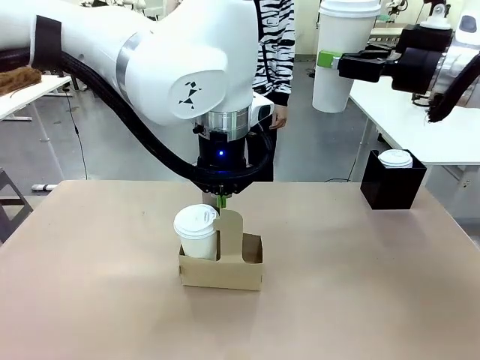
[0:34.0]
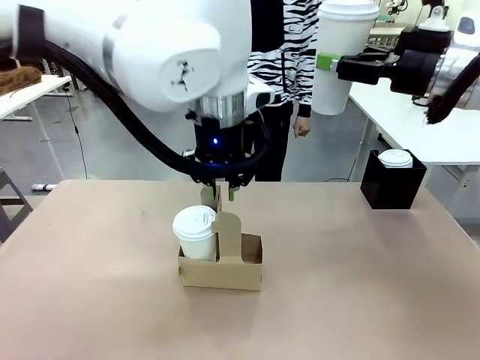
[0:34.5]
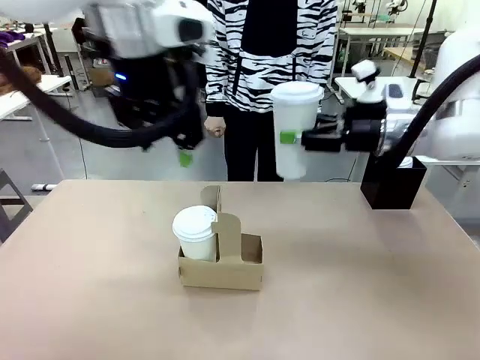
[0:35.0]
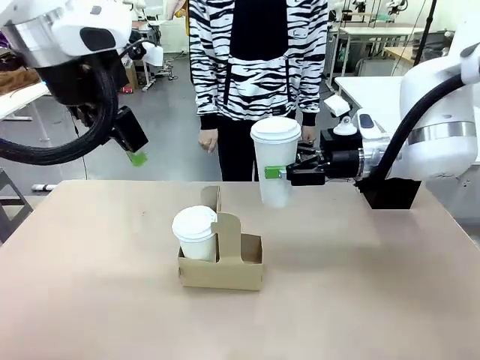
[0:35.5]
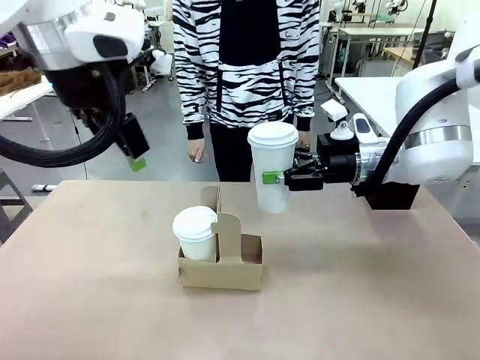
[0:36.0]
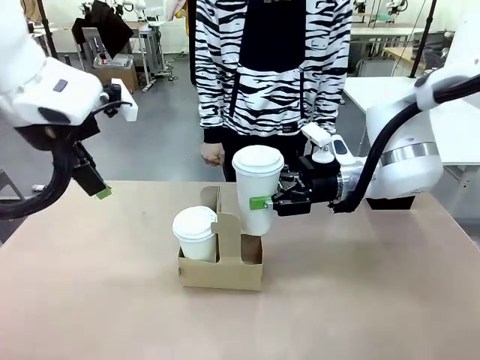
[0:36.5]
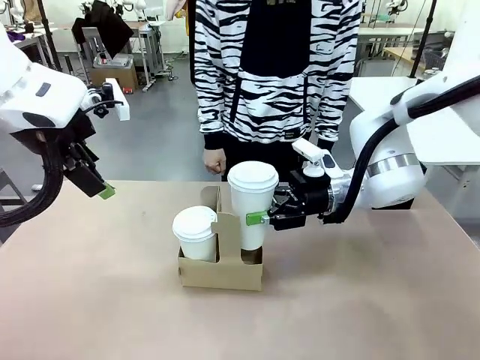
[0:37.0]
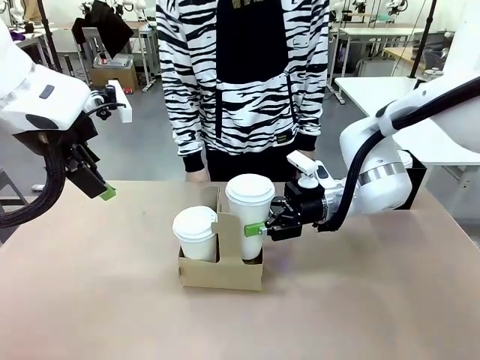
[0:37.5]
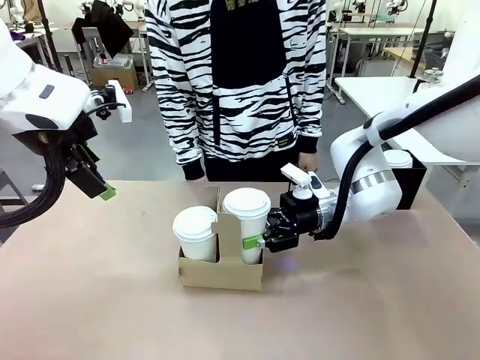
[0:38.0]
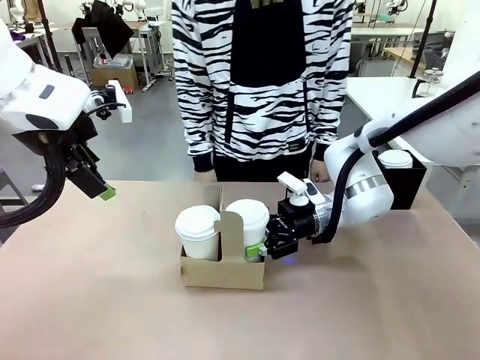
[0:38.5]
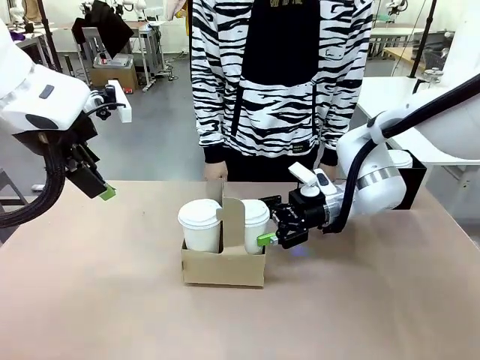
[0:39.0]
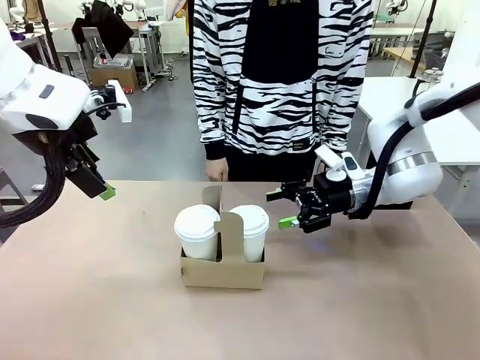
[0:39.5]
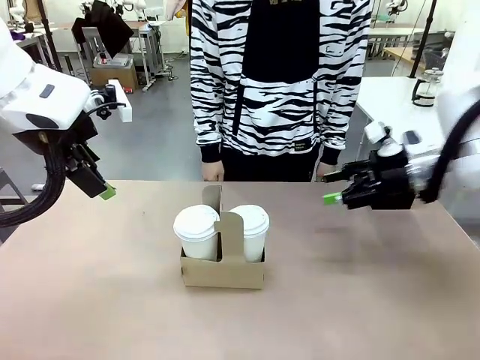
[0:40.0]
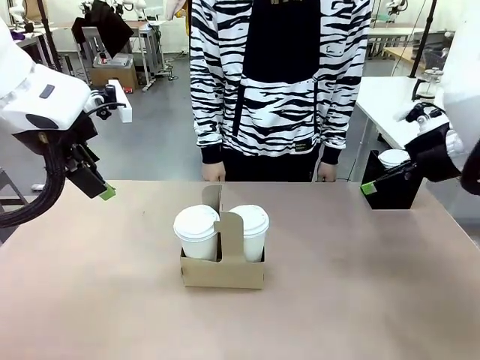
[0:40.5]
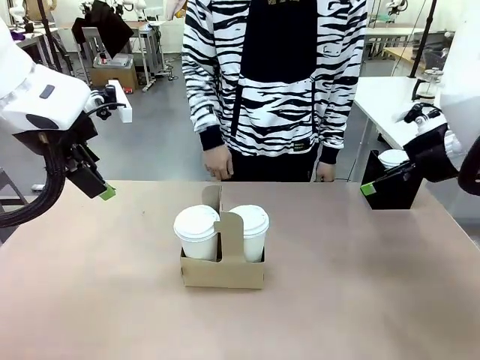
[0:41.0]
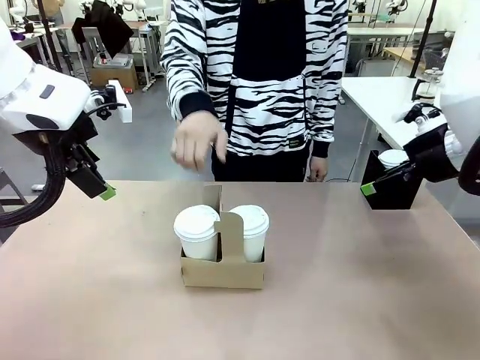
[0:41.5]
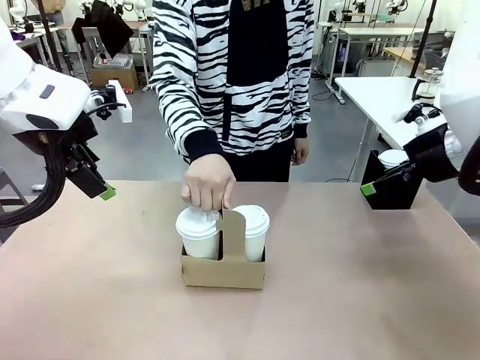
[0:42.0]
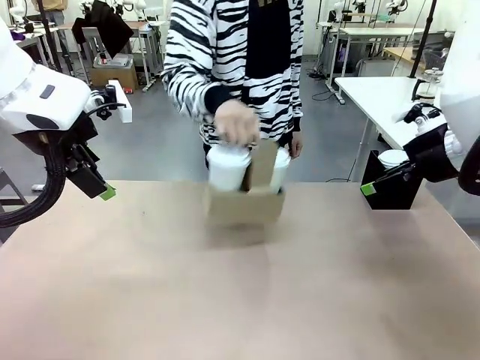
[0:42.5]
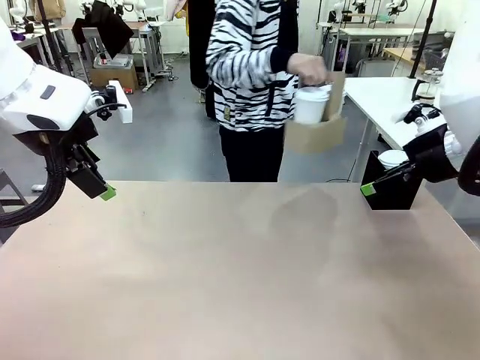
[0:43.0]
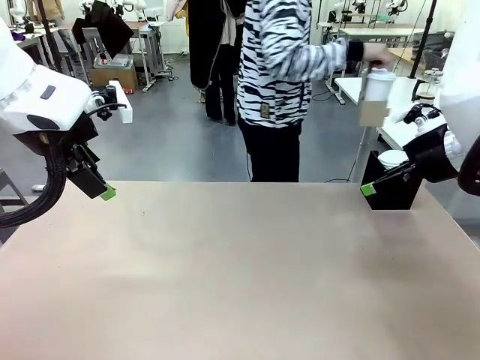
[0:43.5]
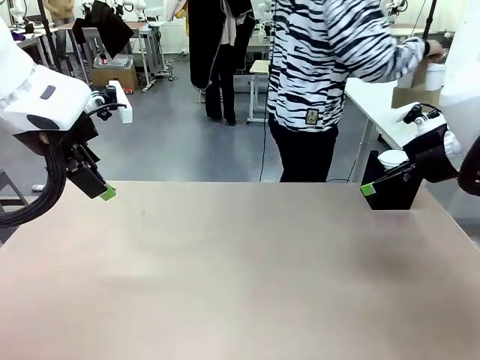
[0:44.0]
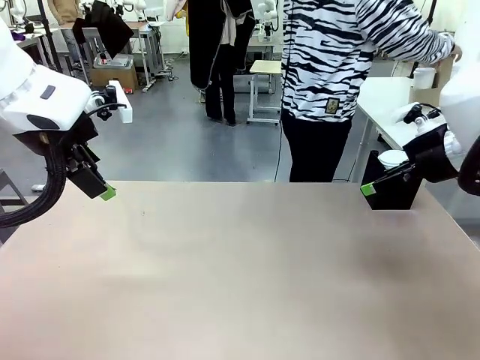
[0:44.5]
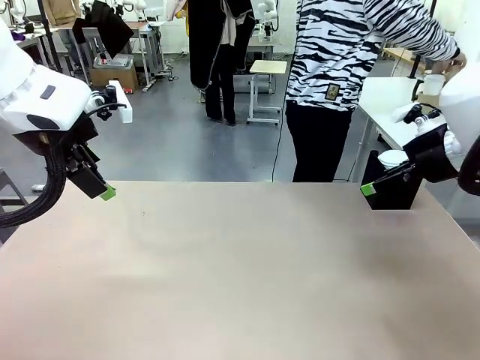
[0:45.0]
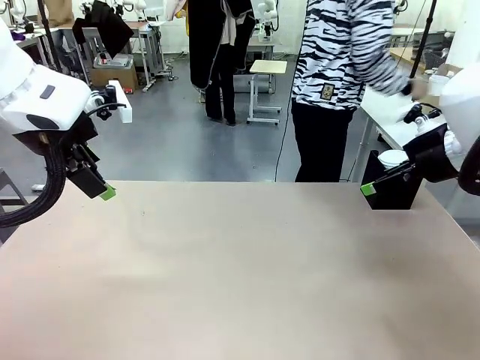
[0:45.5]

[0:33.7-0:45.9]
Task: Pour a drink into a cup and package it in a carrier.
Robot: Insert the held 600 ml Paper Cup into the Cup Carrier.
Person: Place the Cup Carrier to the middle of Human table.

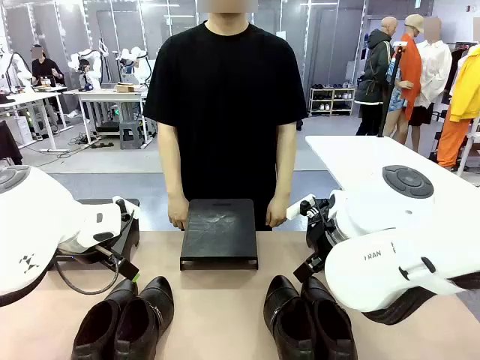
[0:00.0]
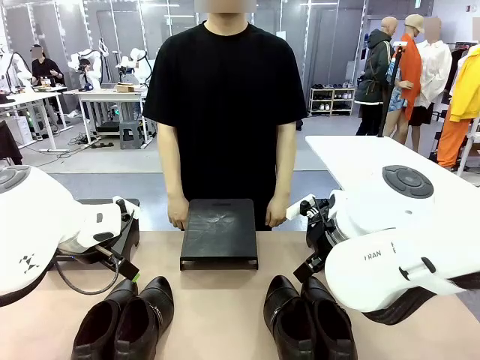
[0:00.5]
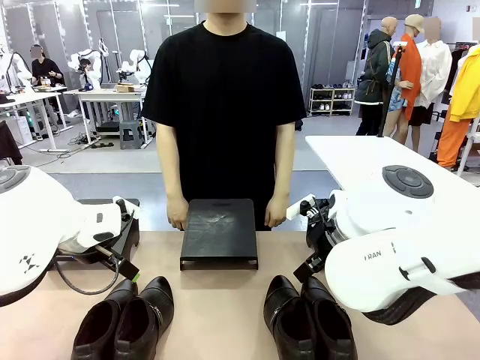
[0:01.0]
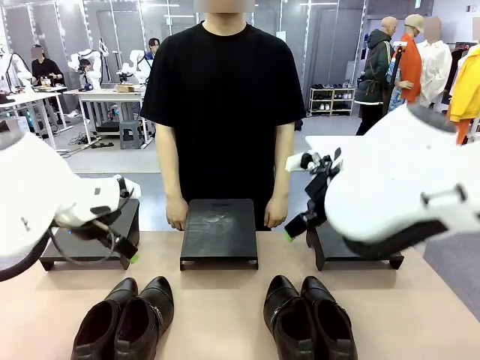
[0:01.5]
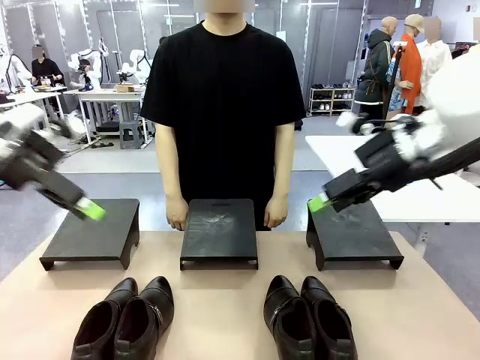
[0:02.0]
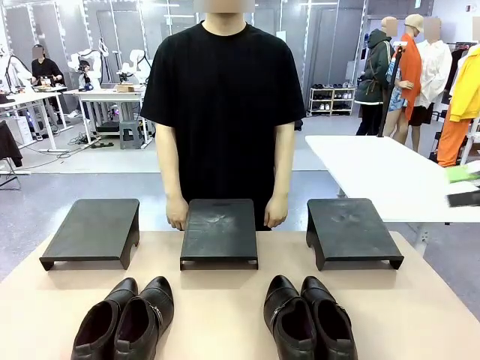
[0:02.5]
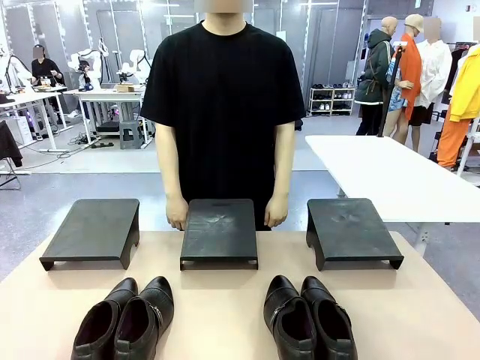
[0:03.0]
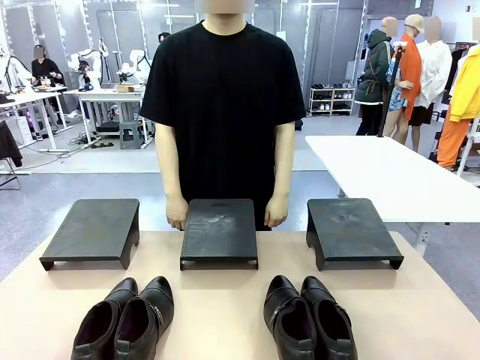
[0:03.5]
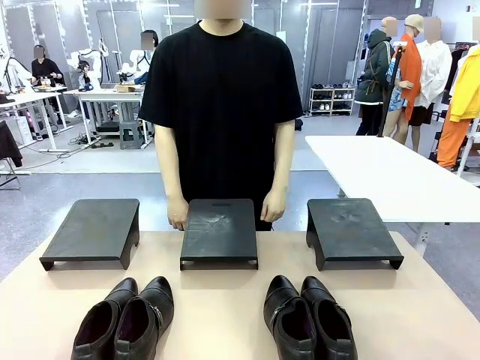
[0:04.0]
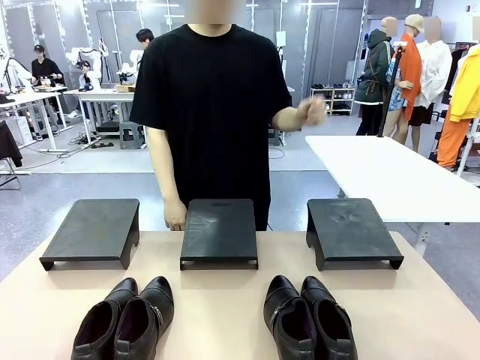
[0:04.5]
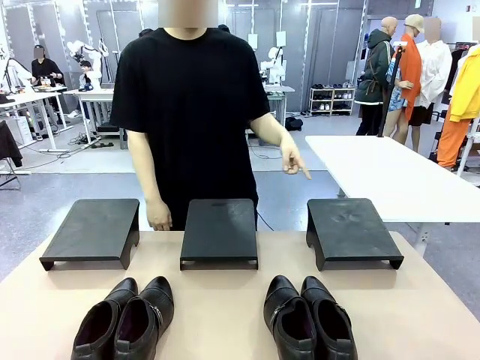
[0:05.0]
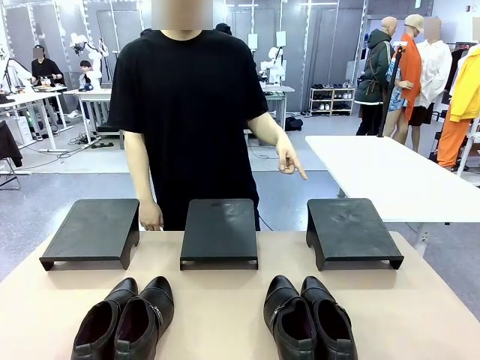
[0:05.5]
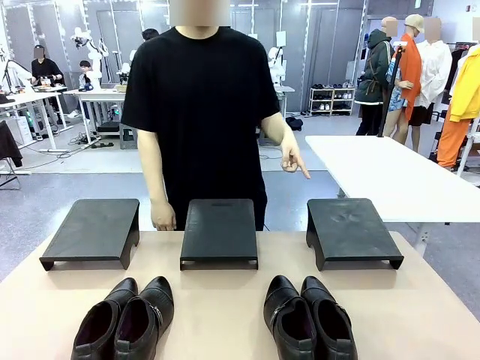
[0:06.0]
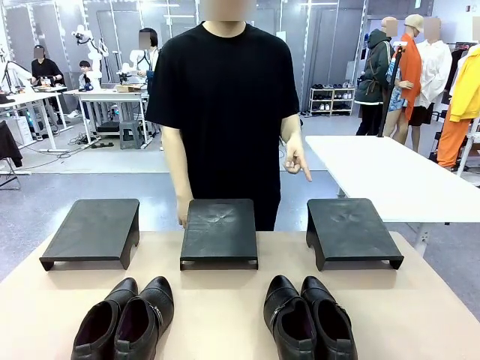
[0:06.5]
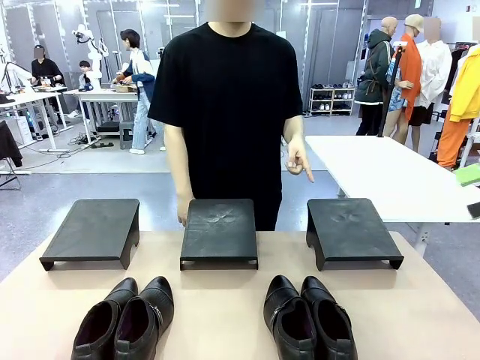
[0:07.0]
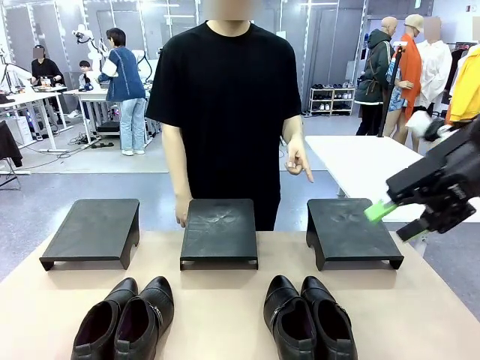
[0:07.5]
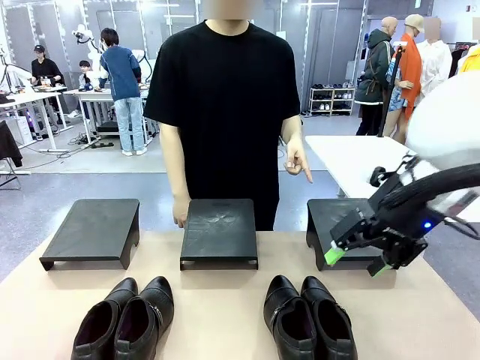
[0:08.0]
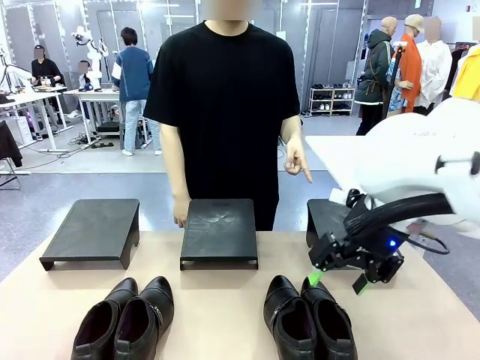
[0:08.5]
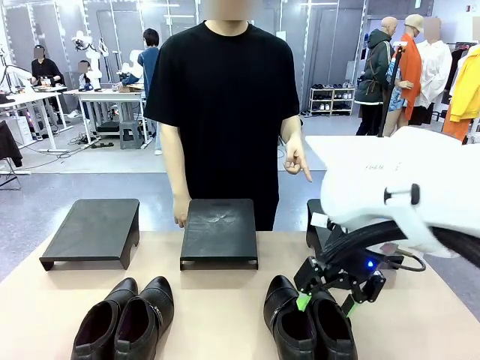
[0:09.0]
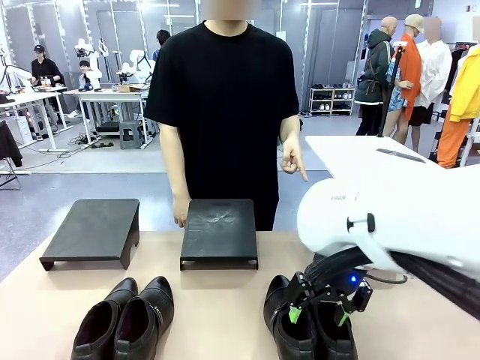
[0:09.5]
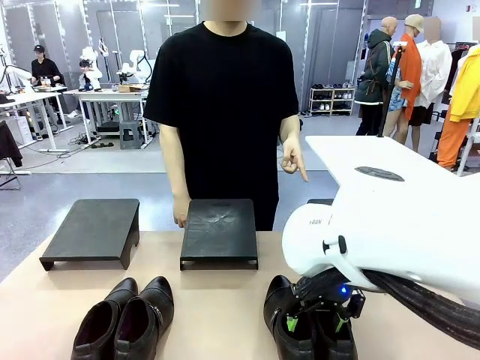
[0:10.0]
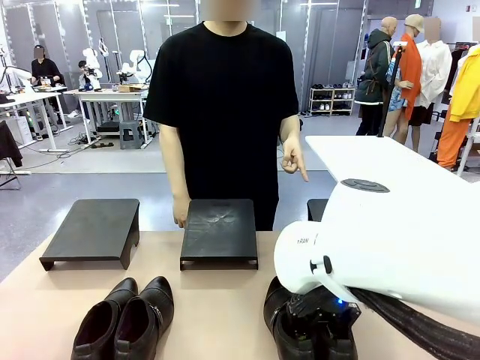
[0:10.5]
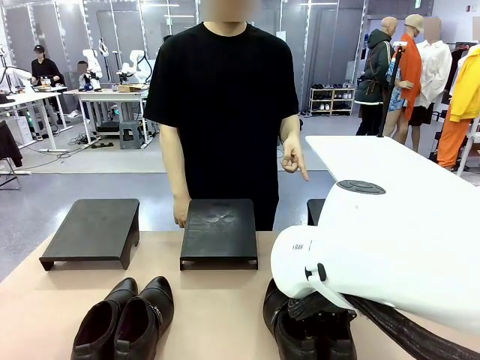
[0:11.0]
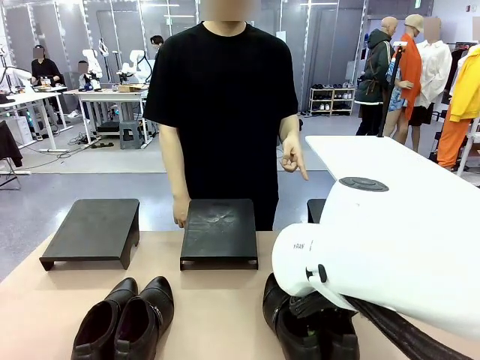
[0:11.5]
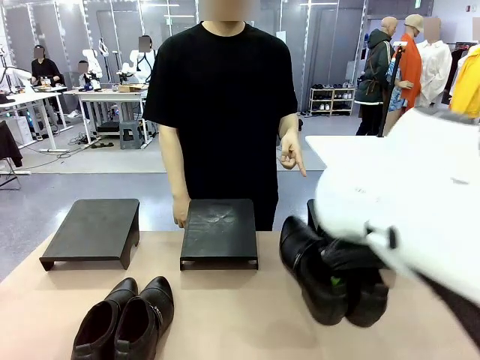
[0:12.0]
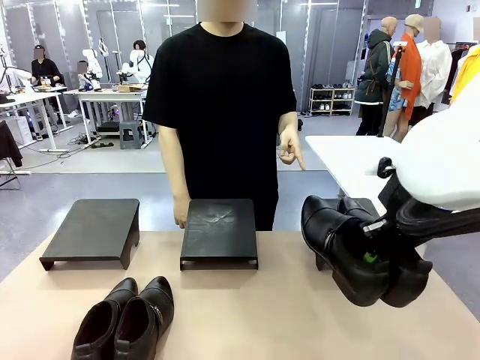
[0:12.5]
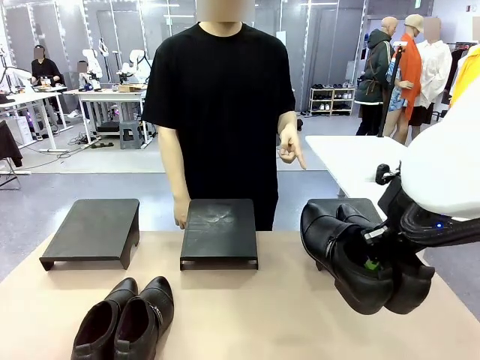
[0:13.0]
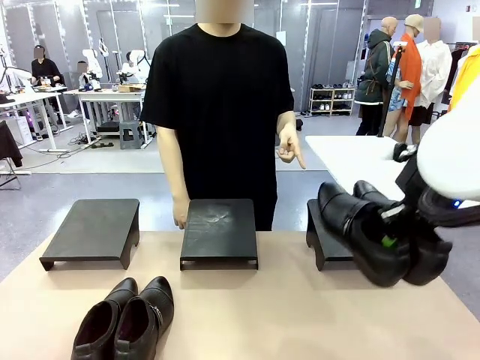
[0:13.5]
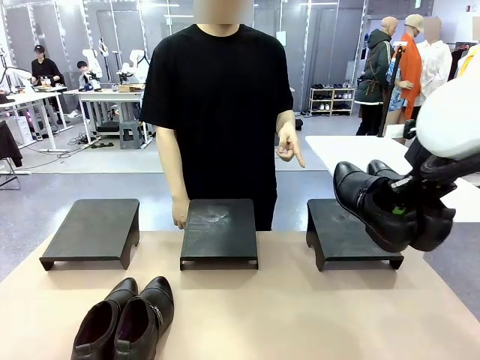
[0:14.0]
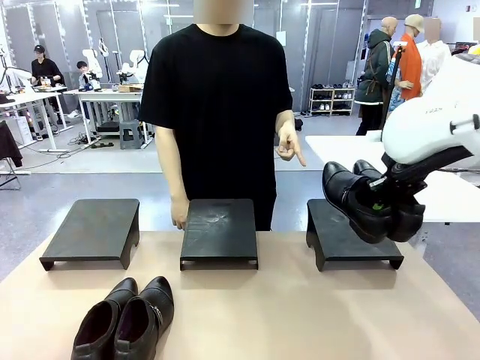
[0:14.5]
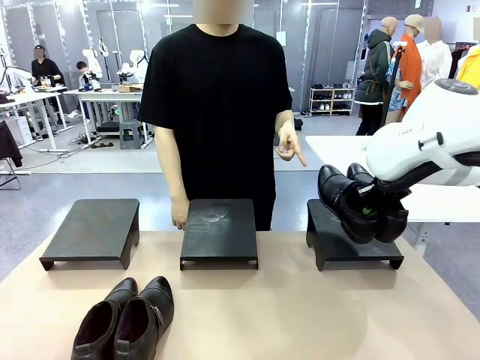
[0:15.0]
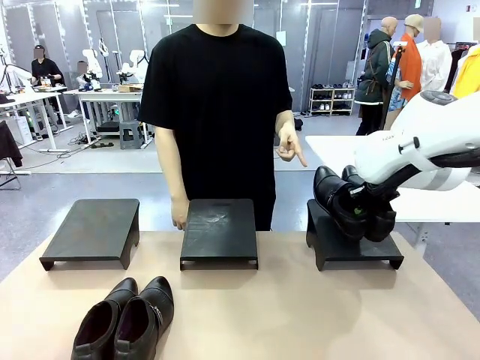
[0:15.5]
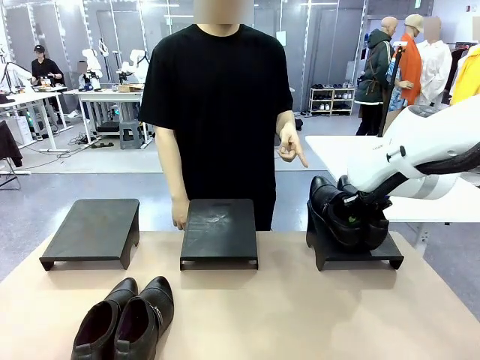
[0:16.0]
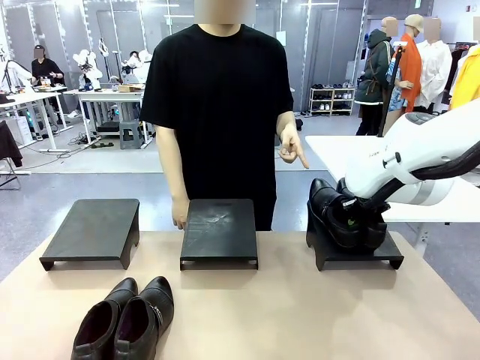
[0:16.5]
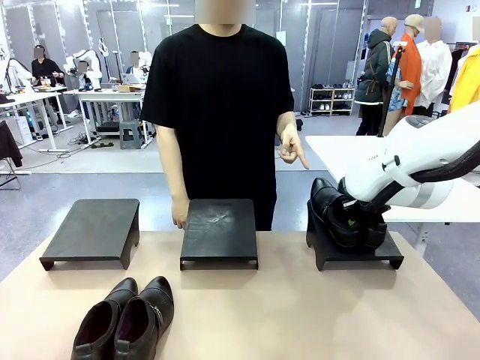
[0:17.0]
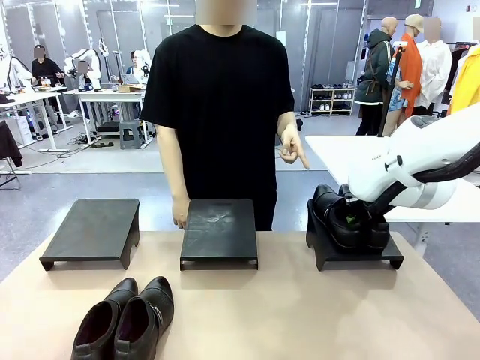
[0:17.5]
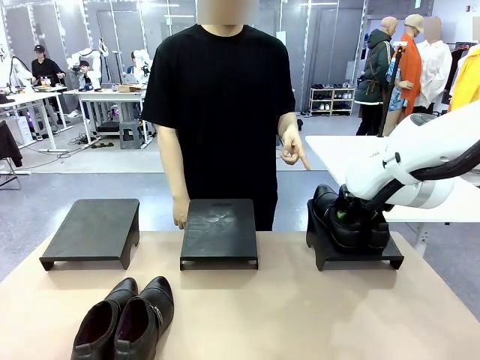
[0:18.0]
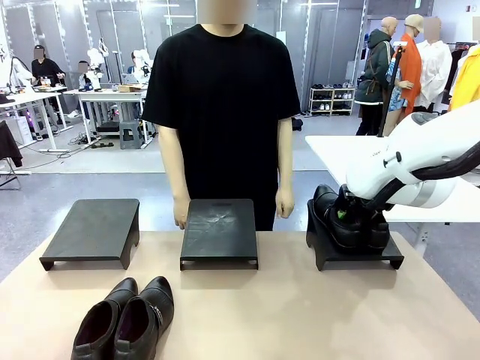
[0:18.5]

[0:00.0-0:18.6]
Task: Place the shoes on the stand as instructed by the person.
Robot: Pick up one pair of Shoes and place it on the Shoes Stand indicated by the person.
